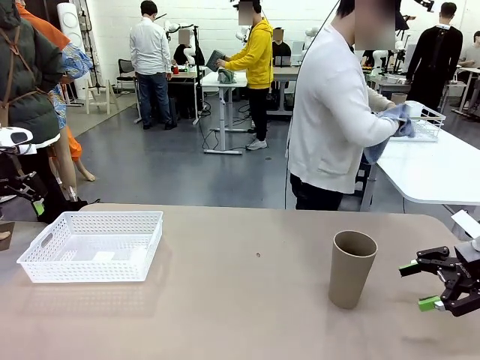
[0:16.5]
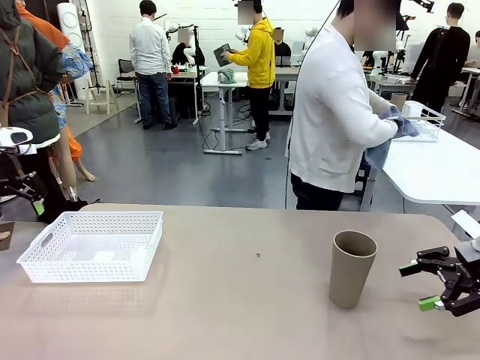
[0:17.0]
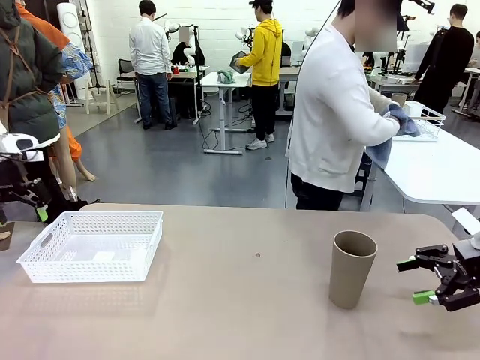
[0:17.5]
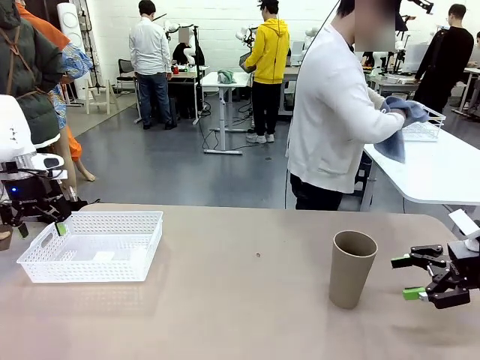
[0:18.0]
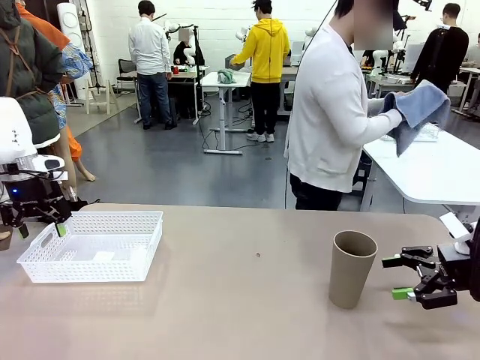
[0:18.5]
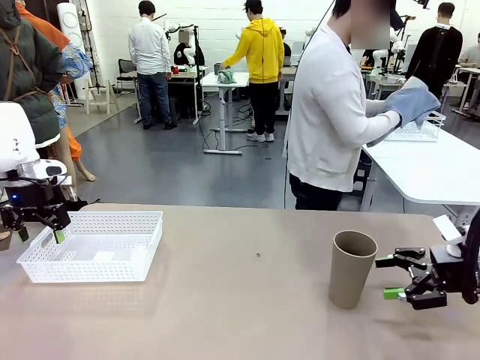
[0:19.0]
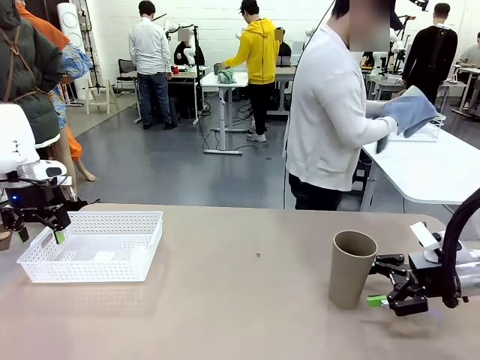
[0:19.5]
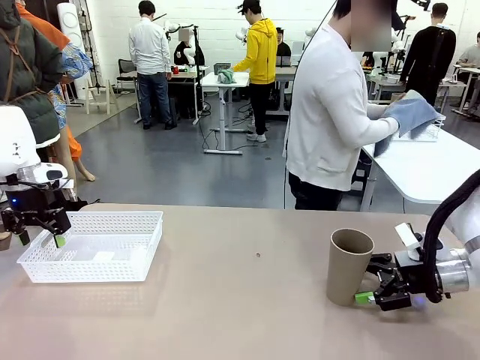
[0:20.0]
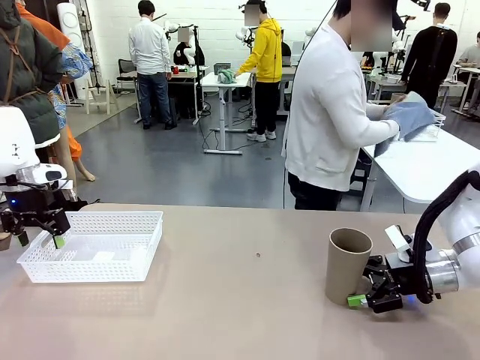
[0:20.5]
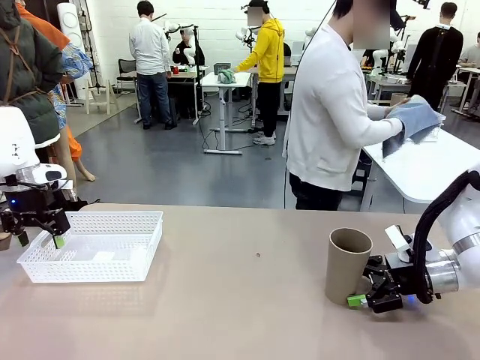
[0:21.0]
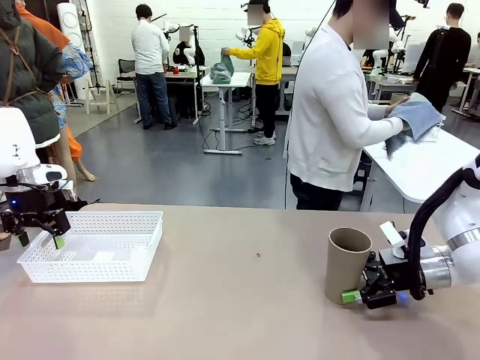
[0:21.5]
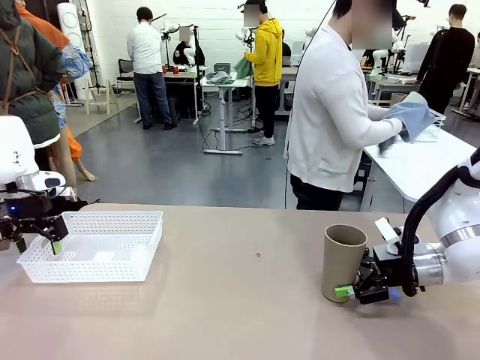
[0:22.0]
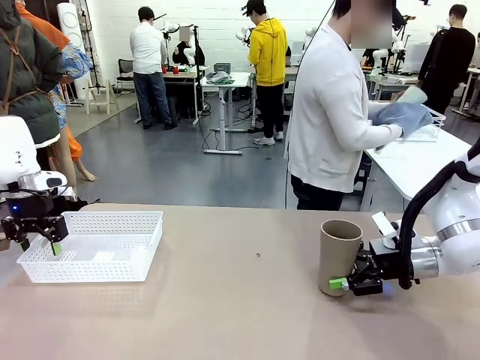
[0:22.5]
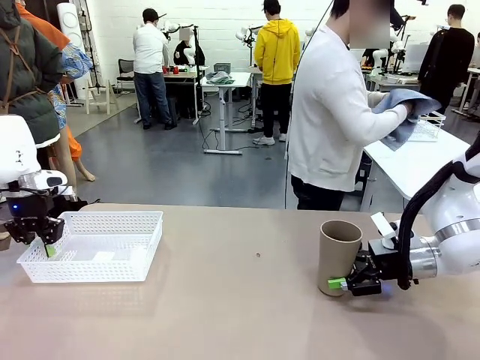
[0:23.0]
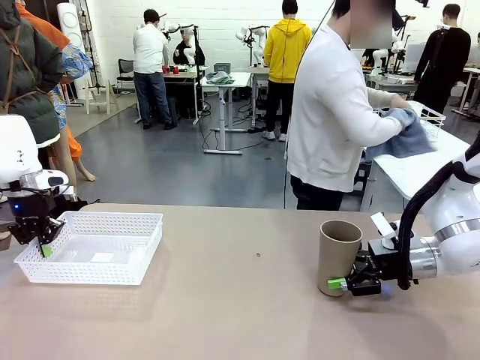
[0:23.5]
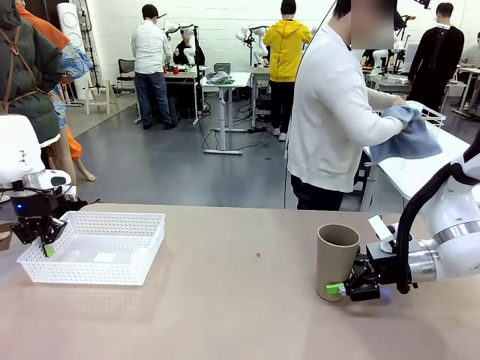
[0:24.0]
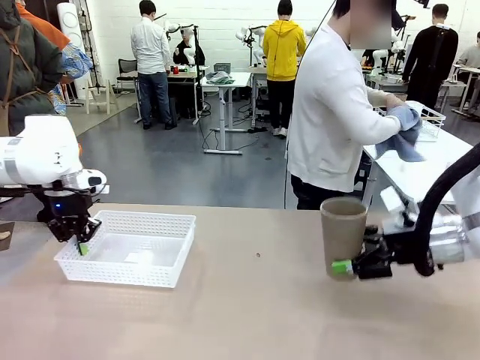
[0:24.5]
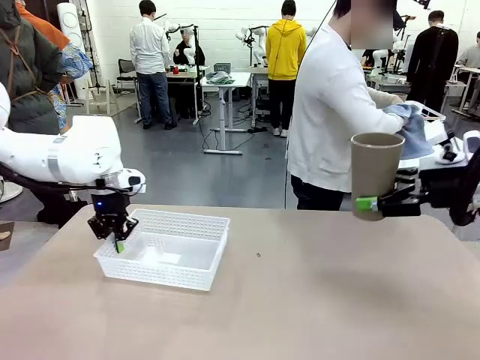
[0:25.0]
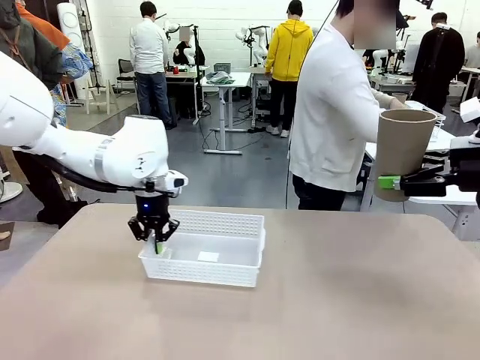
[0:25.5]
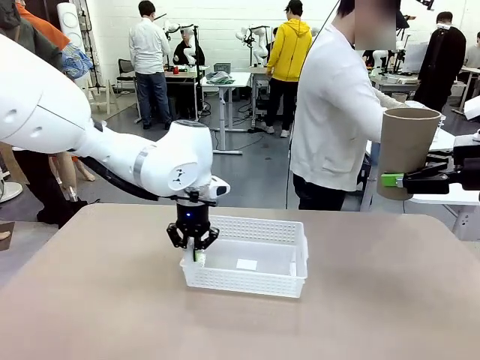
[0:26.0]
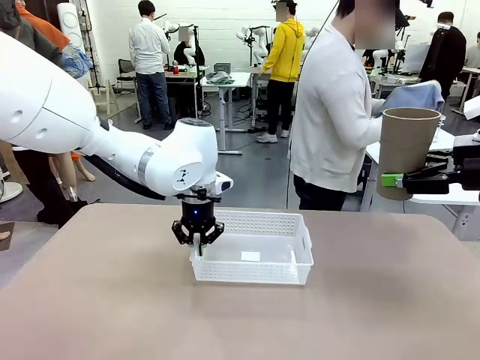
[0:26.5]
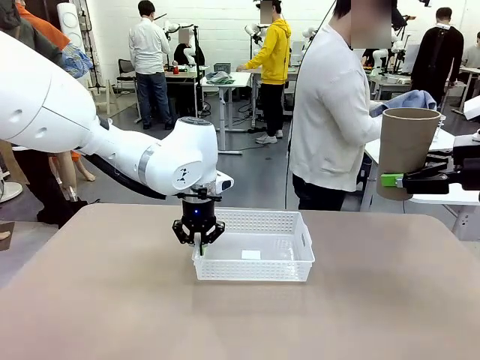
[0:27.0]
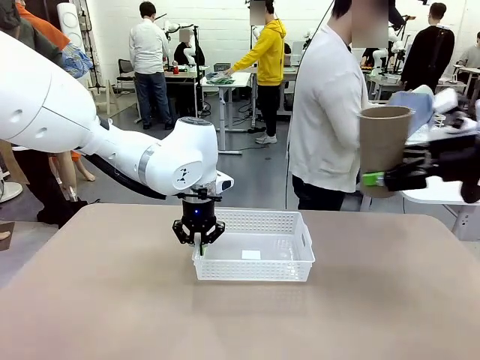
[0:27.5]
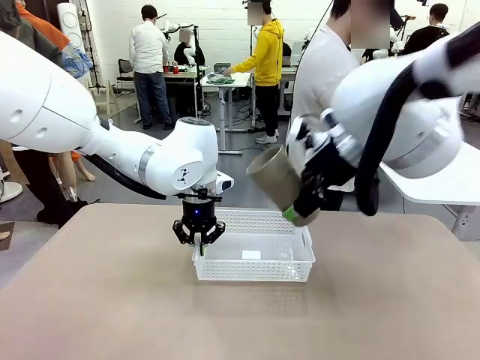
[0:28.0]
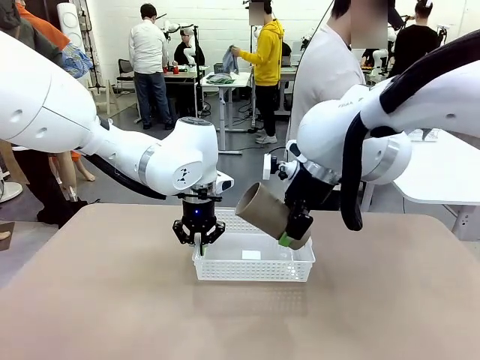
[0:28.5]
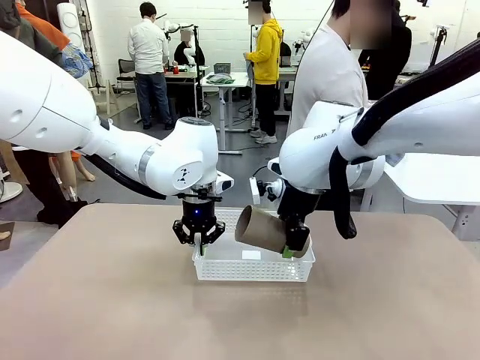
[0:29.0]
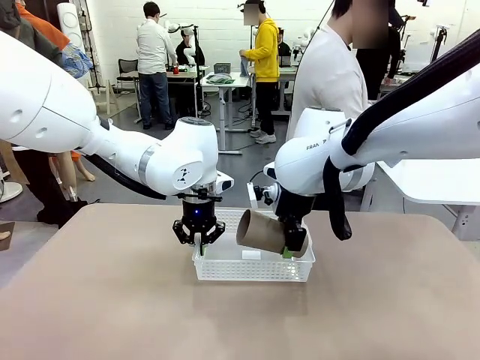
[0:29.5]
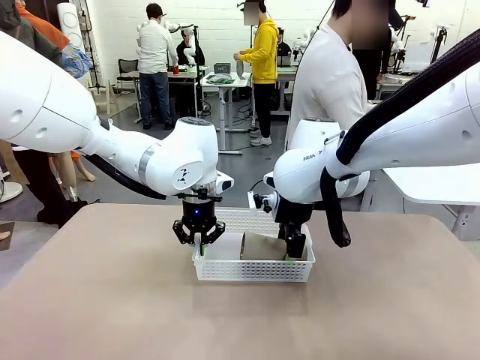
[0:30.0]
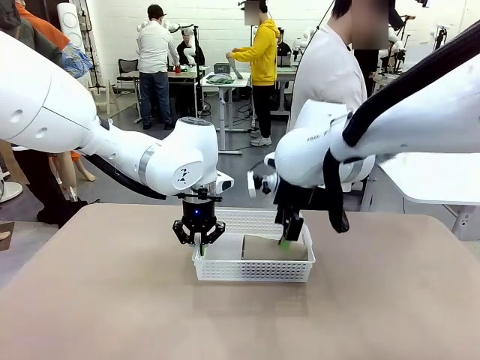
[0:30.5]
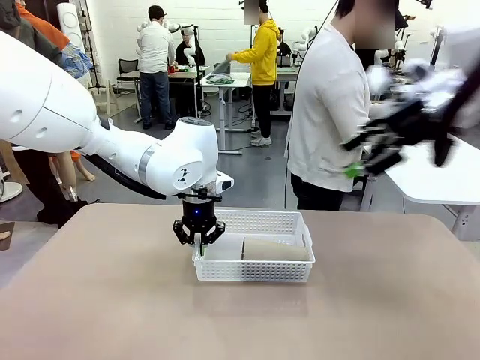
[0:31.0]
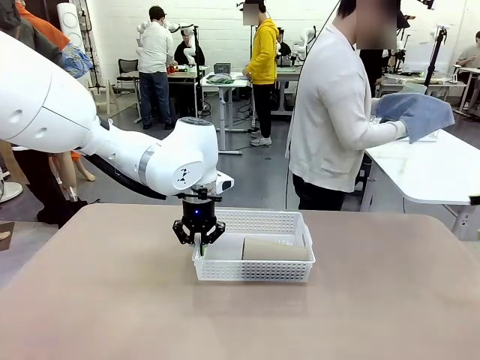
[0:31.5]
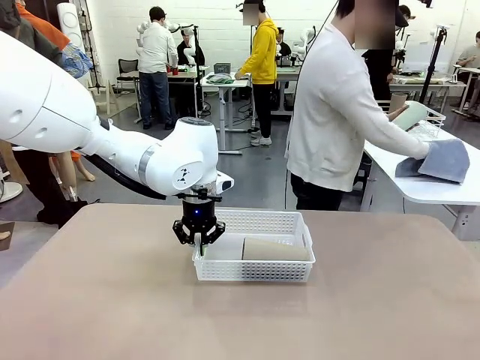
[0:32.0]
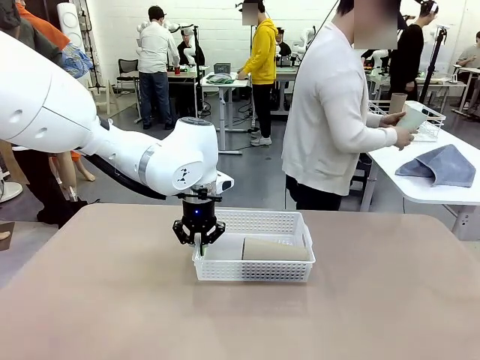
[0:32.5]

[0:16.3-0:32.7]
Task: Clean and organize the cups into the basket.
Robot: Pick up the Organizing basket and move it to the center of the table, then pick up the Reusable plastic cup from the right side of the table and place it inside the Organizing basket.

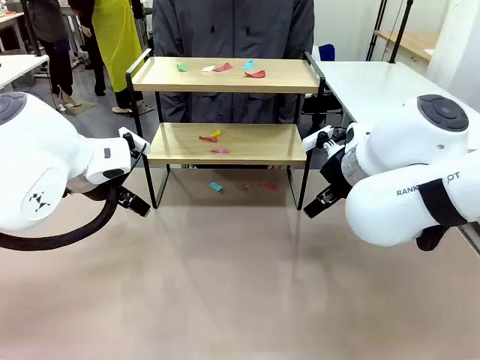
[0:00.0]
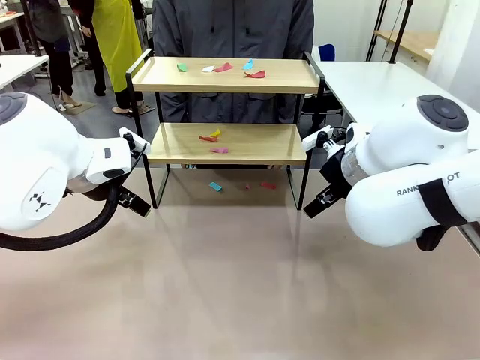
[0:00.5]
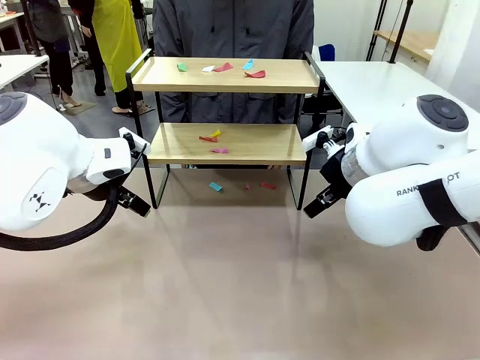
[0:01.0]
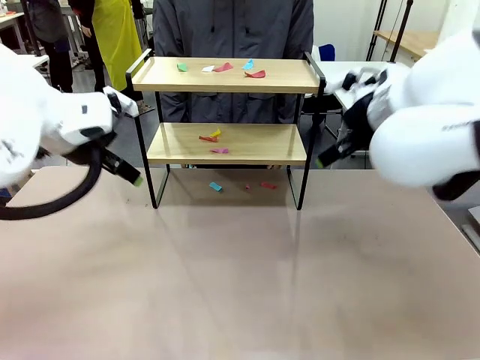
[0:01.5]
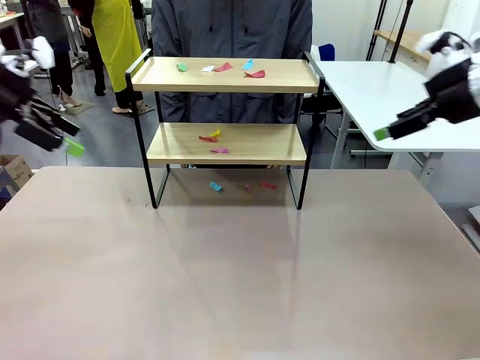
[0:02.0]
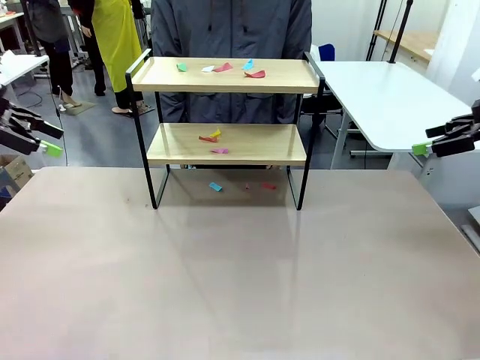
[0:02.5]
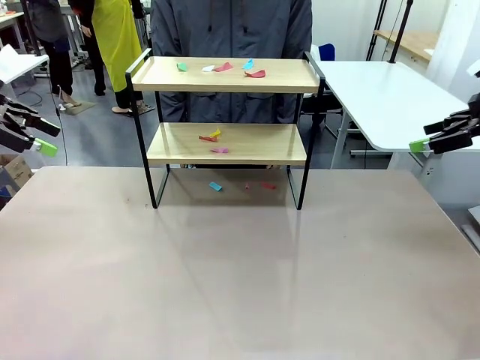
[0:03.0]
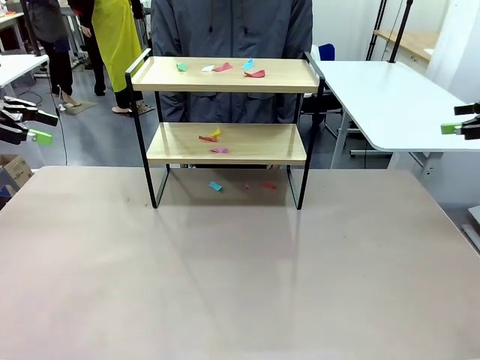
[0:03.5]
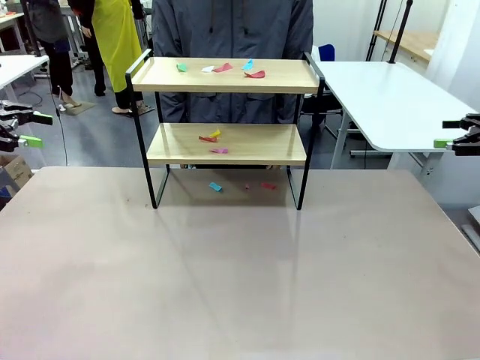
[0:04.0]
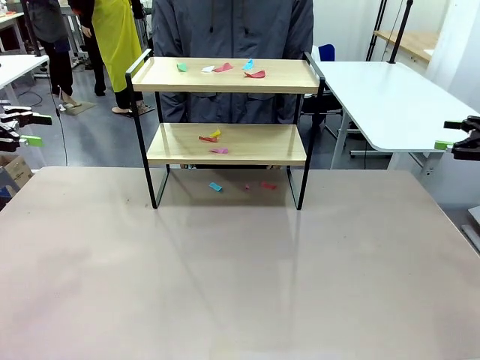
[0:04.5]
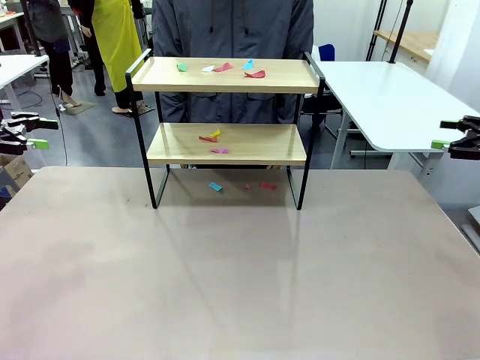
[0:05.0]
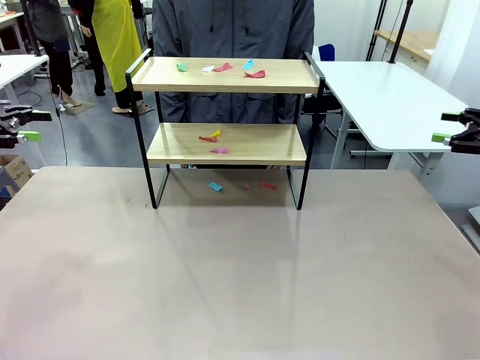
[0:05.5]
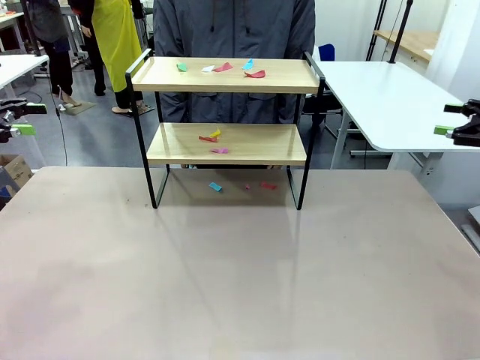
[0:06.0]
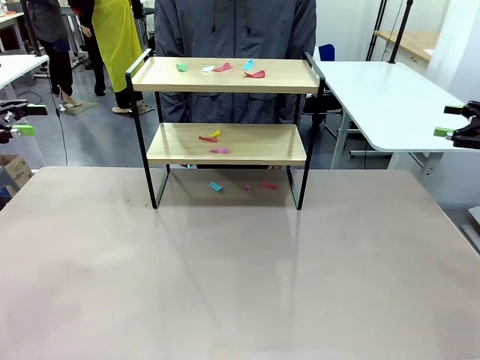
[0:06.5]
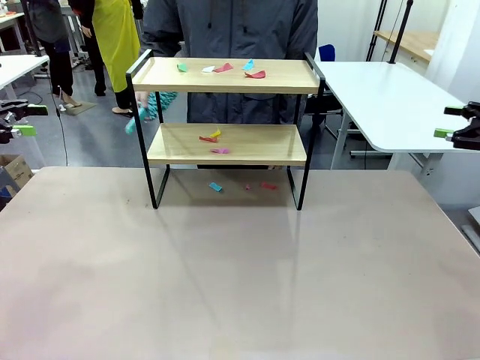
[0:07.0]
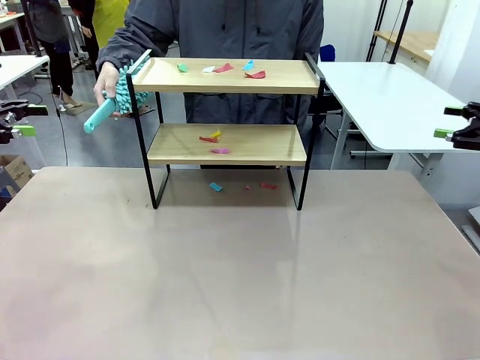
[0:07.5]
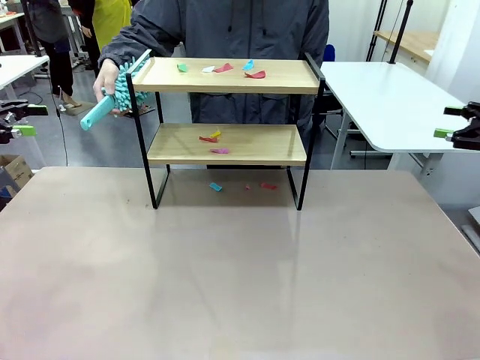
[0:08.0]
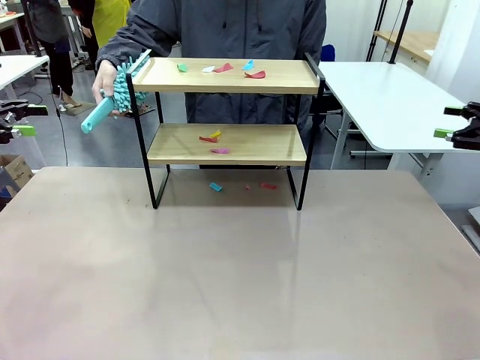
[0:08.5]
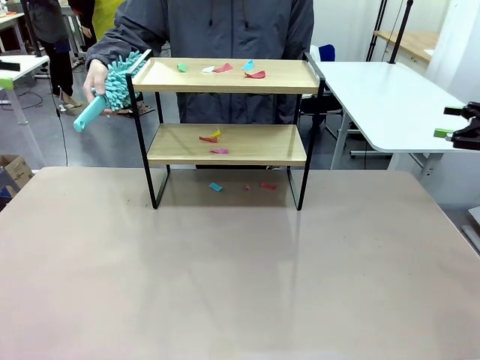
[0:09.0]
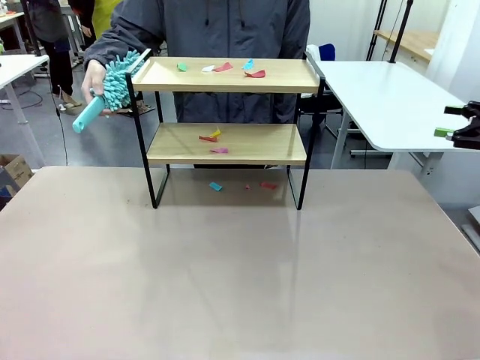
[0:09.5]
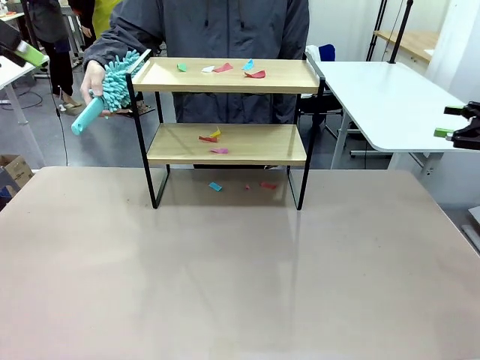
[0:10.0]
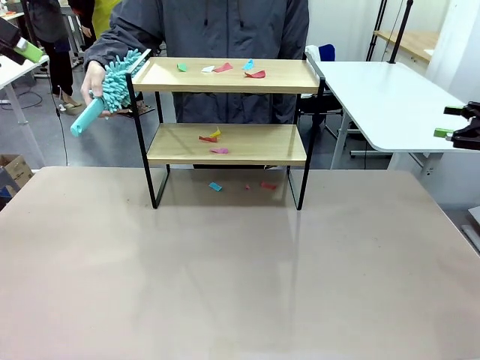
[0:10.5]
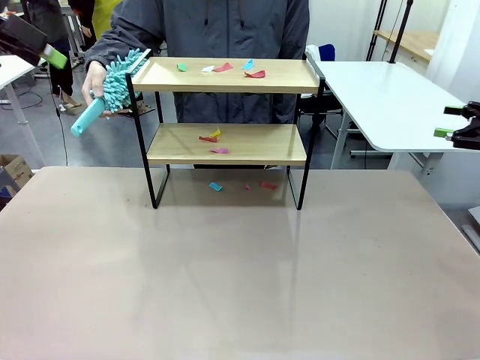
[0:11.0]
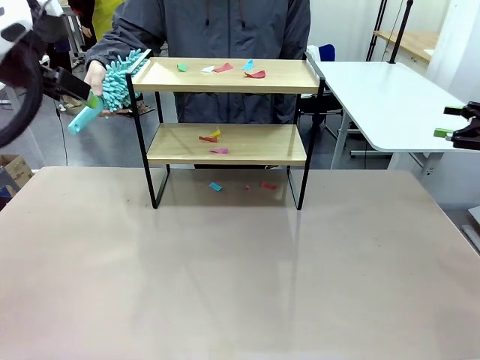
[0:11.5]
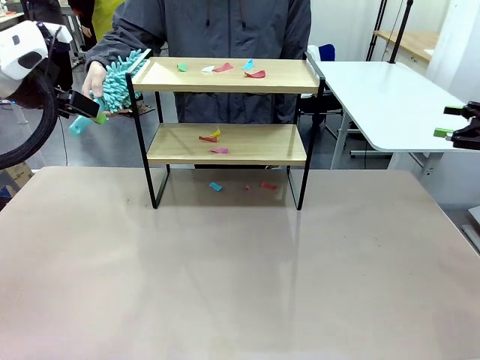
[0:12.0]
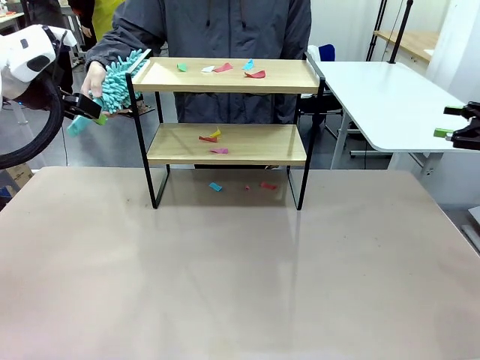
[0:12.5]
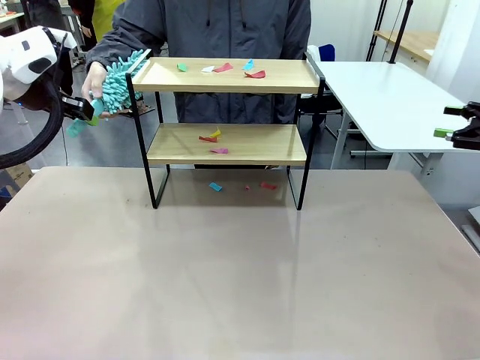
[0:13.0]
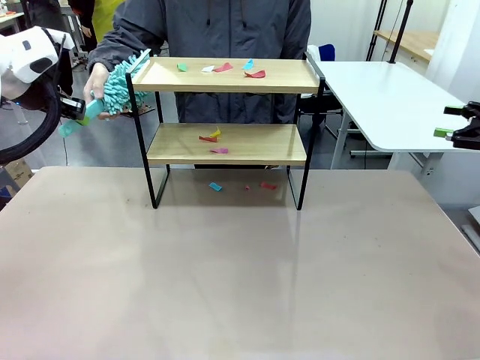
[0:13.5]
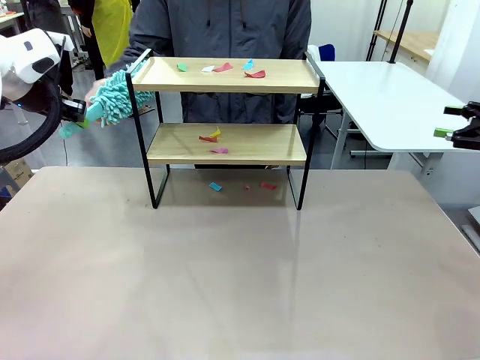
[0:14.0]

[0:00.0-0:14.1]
Task: Clean the shelf.
Robot: Pick up the Duster handed by the human.
Person: Hand the Duster to the robot.
